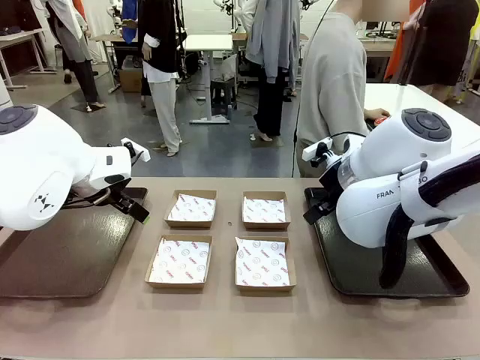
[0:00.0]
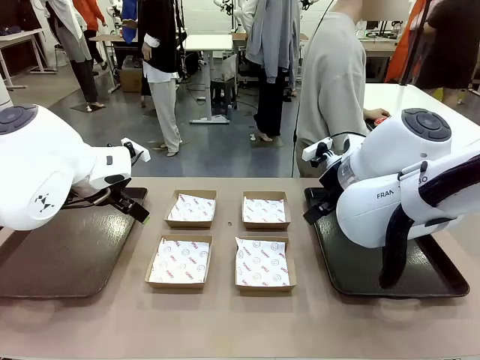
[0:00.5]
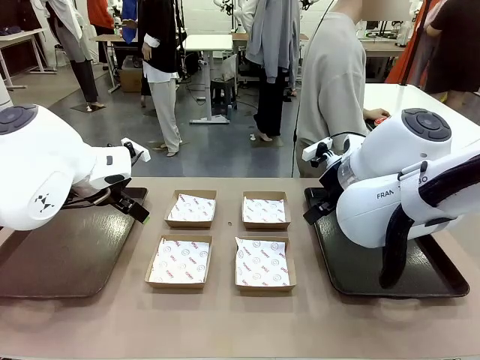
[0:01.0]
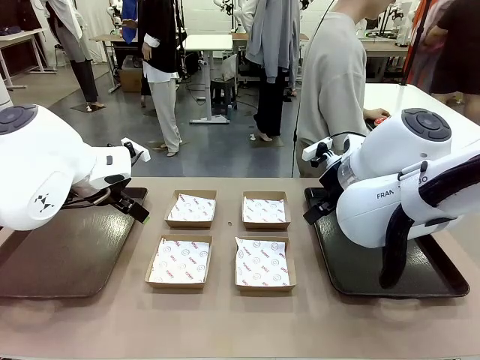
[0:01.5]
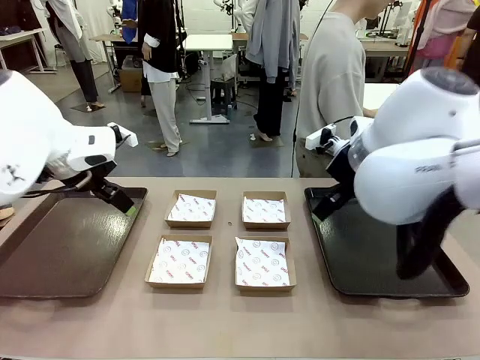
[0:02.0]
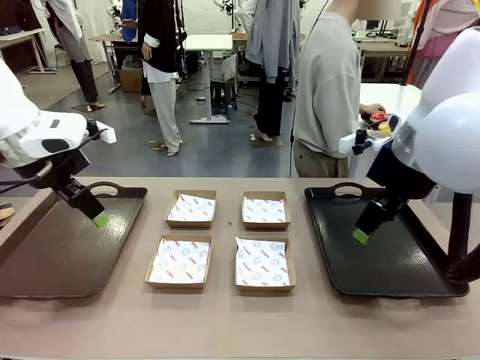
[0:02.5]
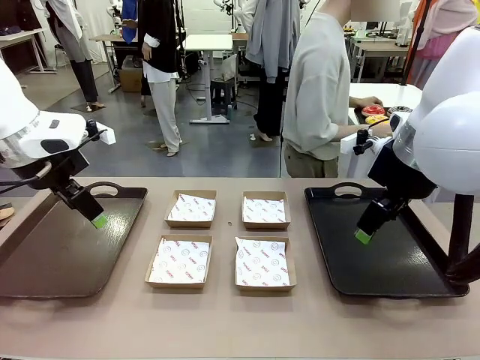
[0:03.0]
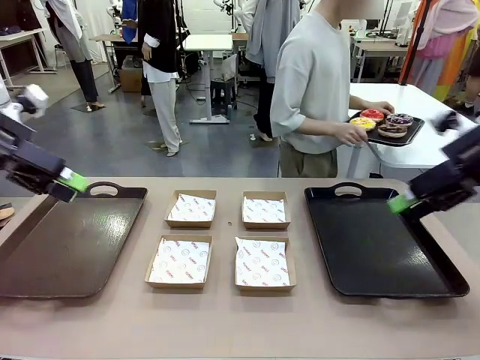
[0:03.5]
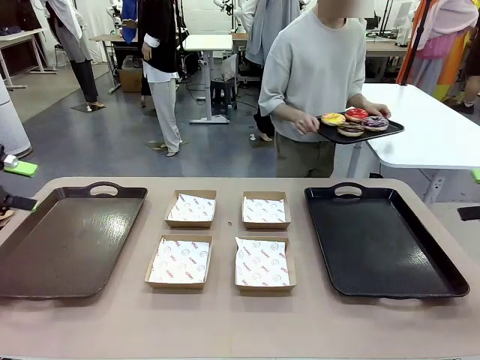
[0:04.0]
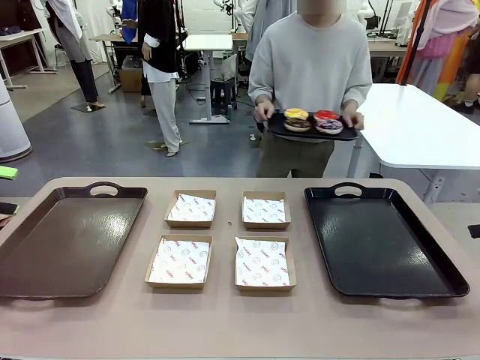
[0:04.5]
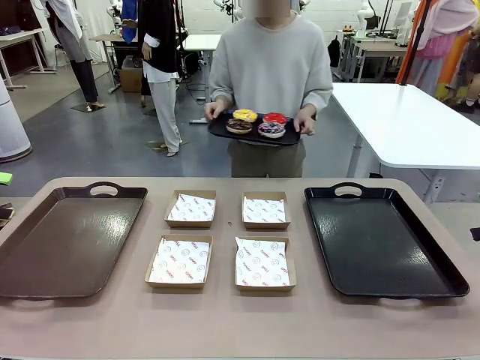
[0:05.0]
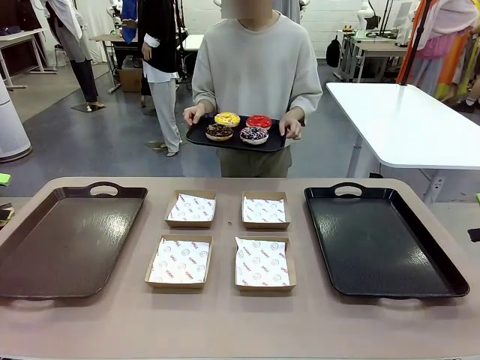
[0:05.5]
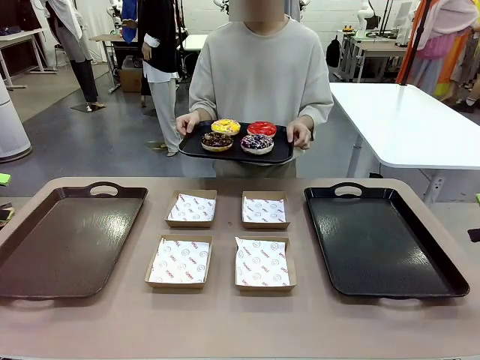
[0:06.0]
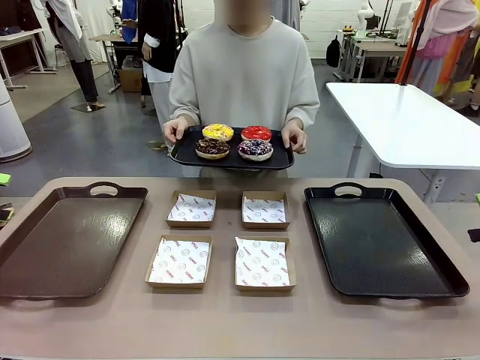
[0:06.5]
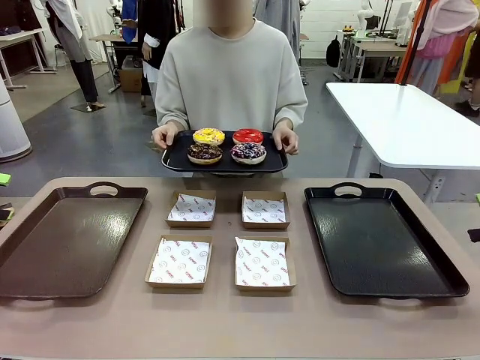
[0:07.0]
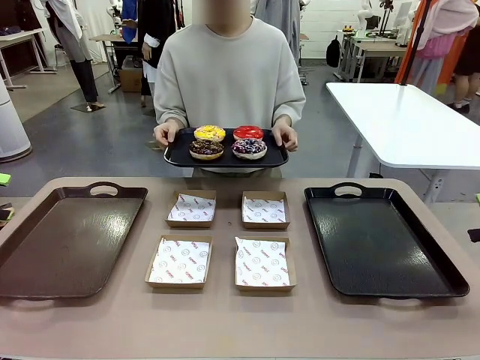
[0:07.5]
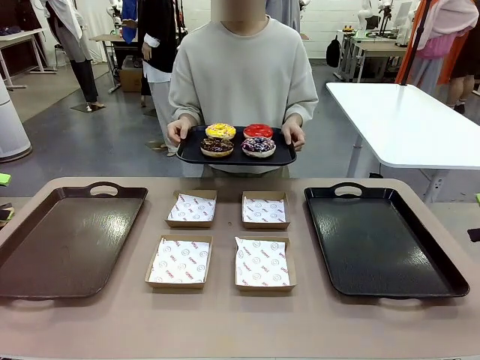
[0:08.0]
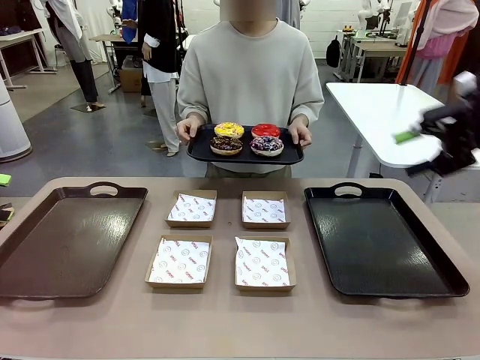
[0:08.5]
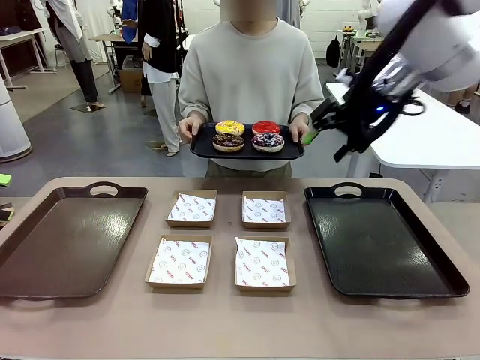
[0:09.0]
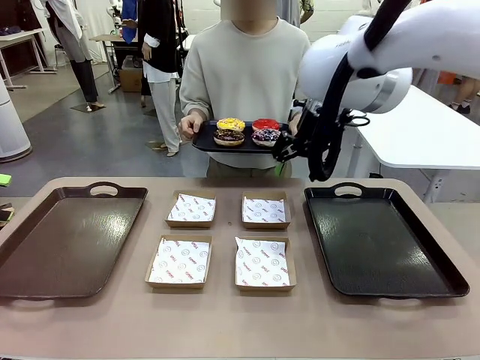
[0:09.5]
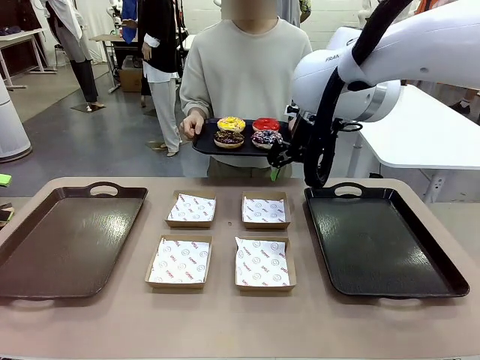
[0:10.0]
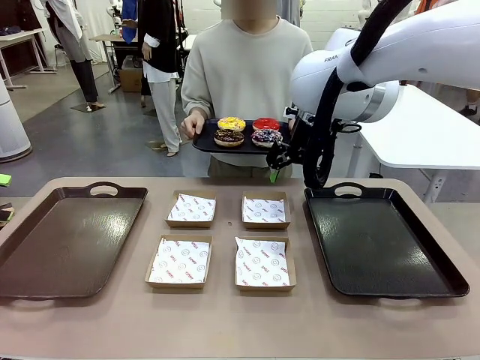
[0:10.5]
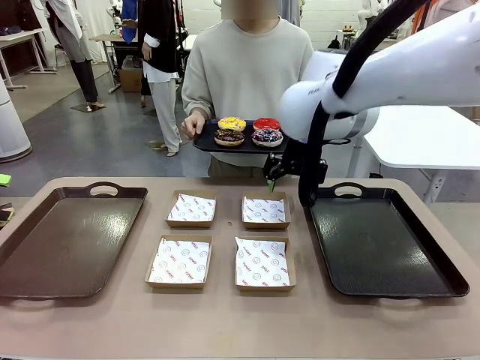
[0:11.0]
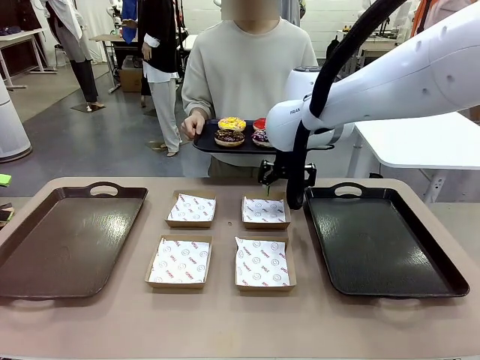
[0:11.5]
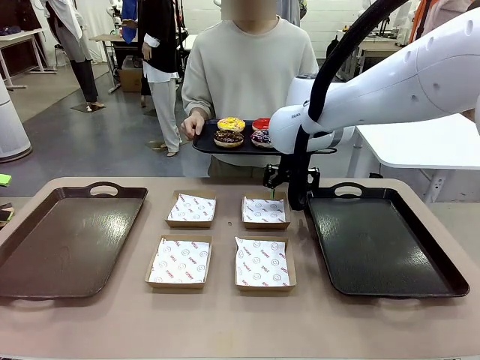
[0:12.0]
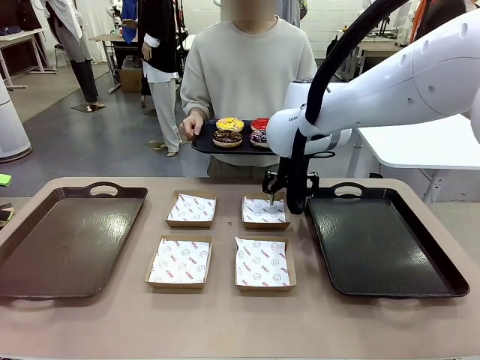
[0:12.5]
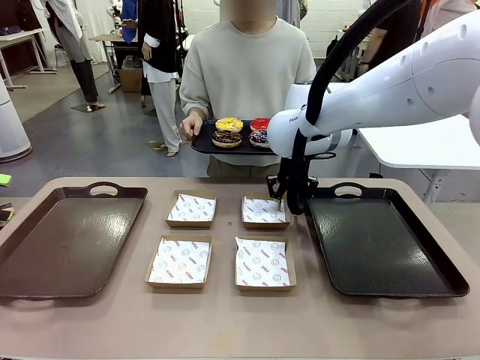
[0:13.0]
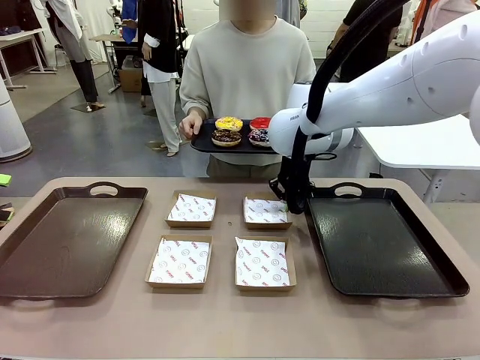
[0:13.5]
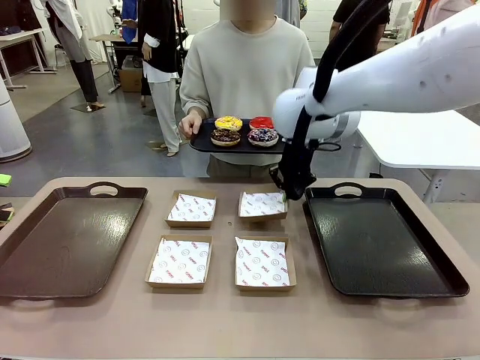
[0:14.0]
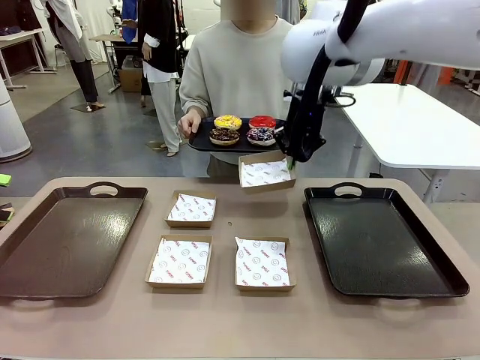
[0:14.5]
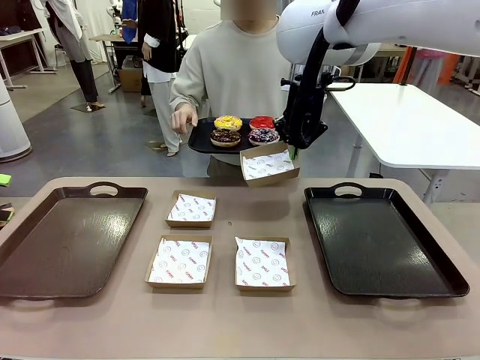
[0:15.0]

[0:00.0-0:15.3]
Task: Individually package the donuts and arrange them on the tray.
Robot: Pick up one Paper togo box.
Person: Stand in front of the robot table holding the tray containing the donuts.

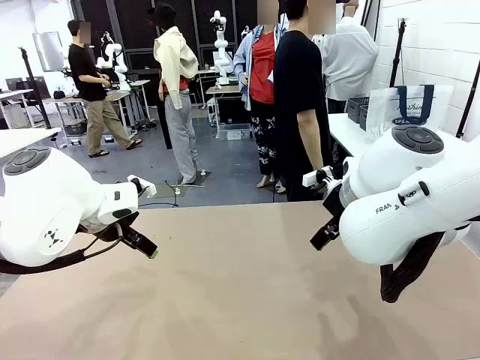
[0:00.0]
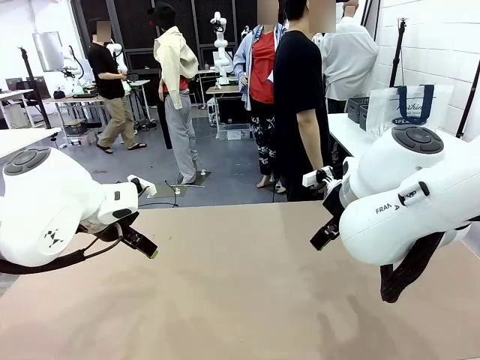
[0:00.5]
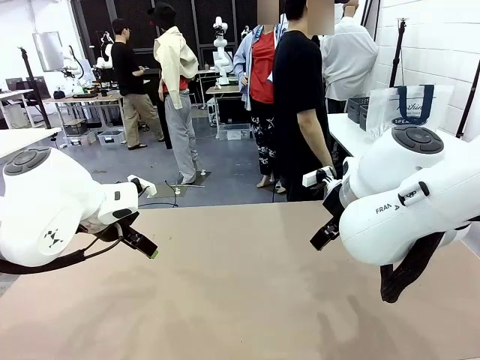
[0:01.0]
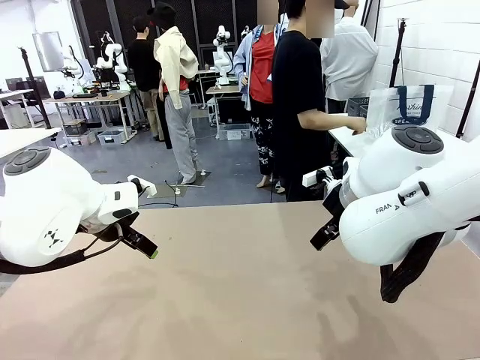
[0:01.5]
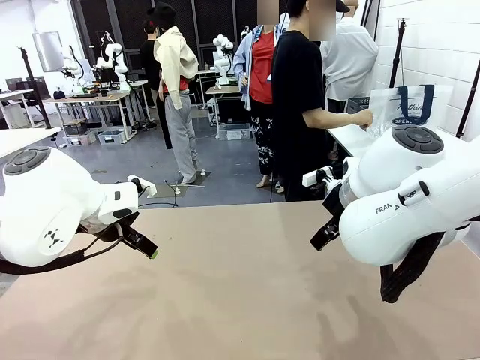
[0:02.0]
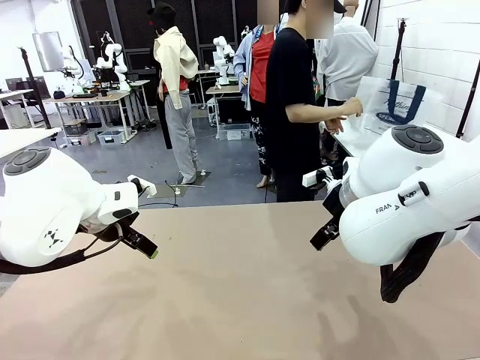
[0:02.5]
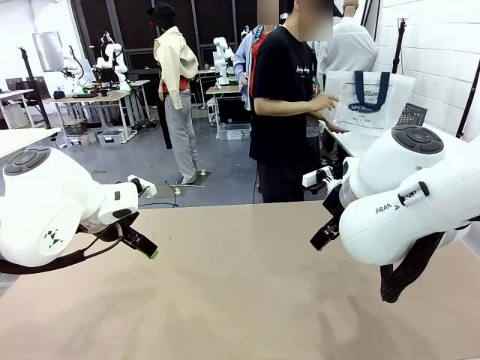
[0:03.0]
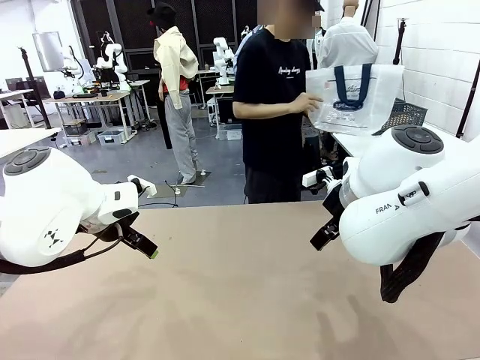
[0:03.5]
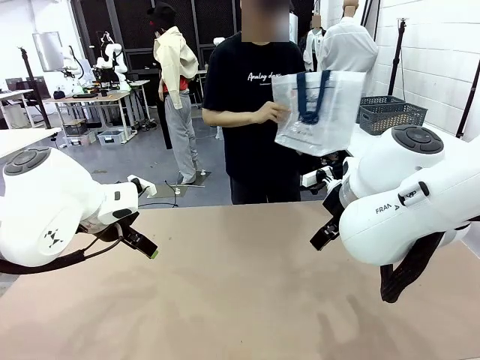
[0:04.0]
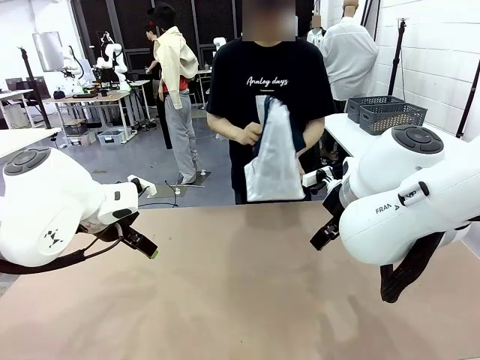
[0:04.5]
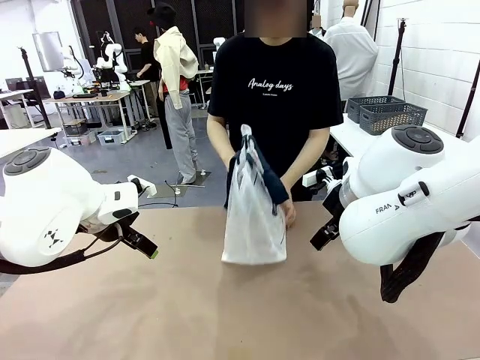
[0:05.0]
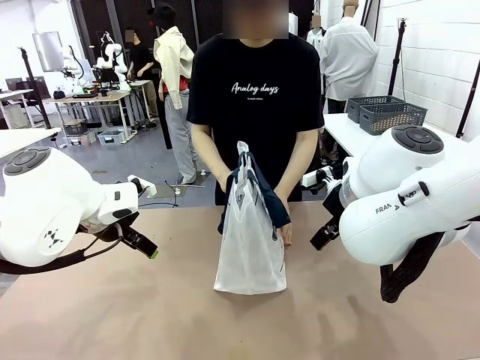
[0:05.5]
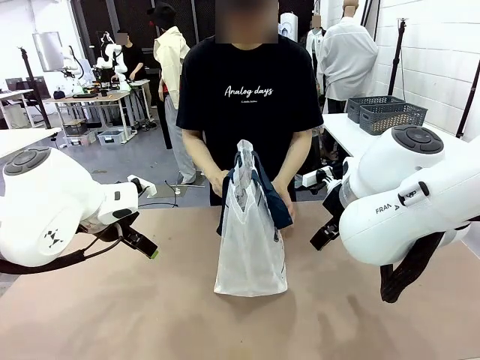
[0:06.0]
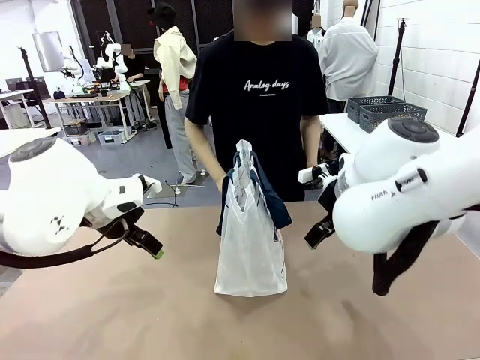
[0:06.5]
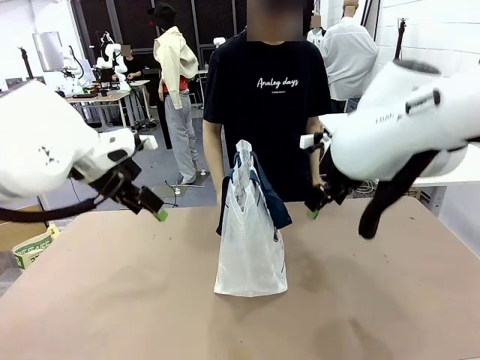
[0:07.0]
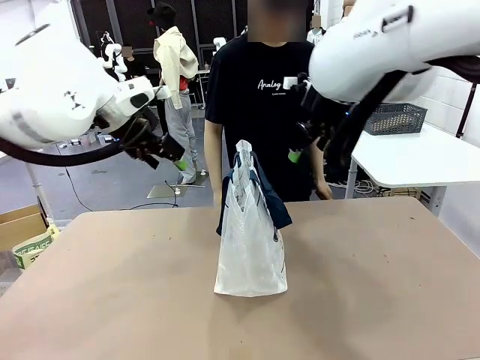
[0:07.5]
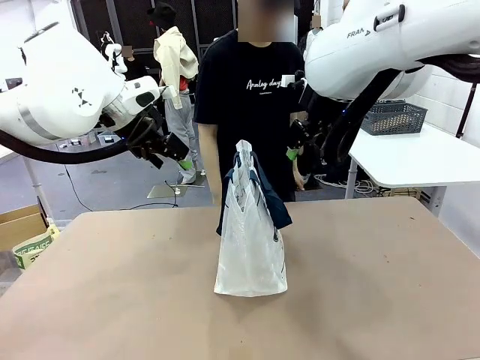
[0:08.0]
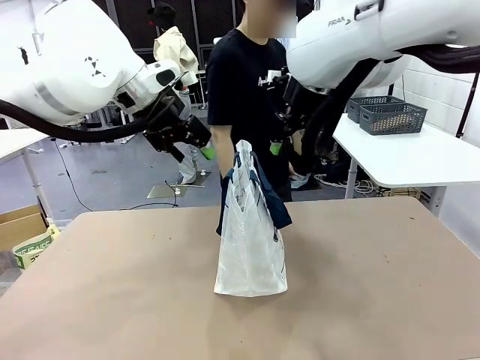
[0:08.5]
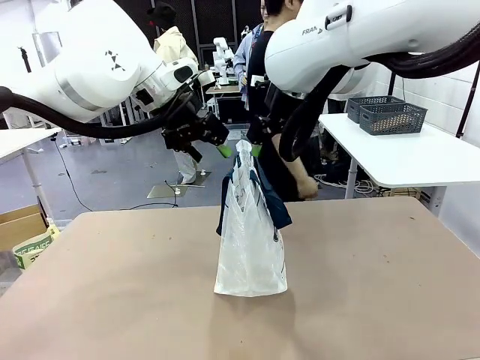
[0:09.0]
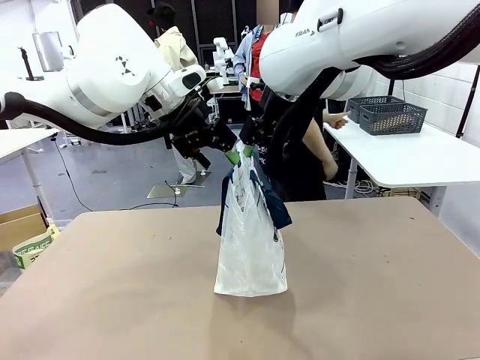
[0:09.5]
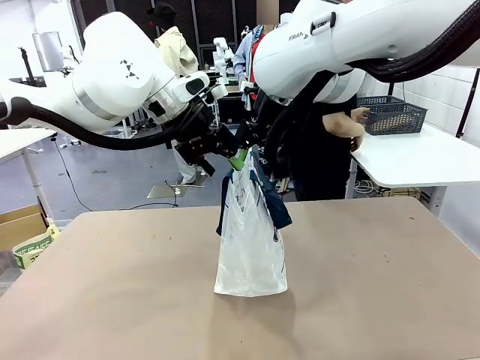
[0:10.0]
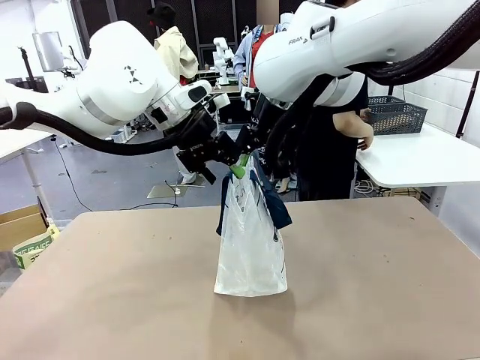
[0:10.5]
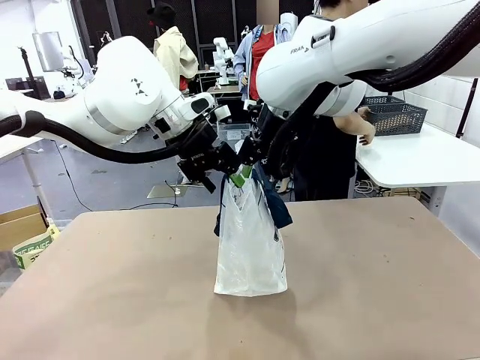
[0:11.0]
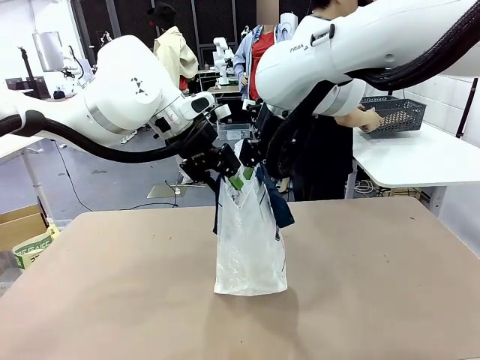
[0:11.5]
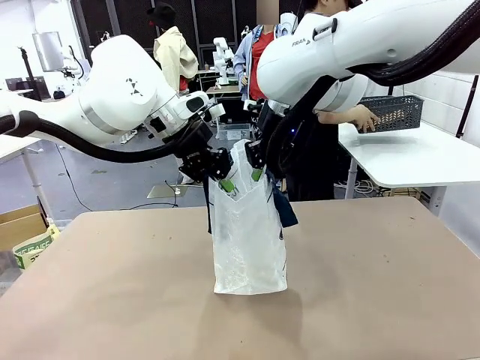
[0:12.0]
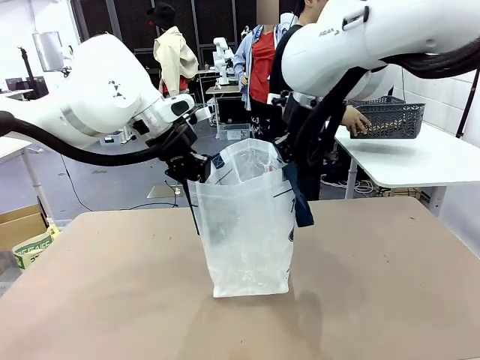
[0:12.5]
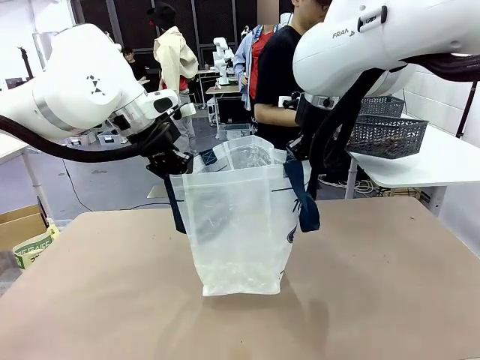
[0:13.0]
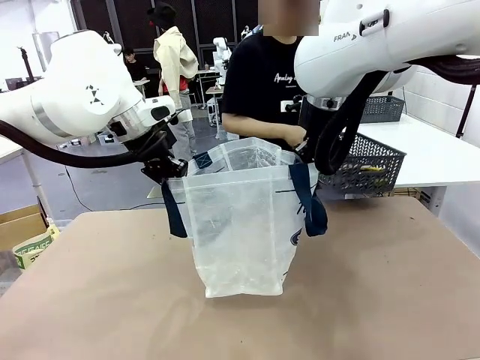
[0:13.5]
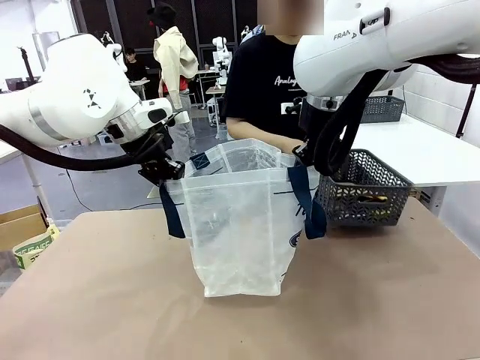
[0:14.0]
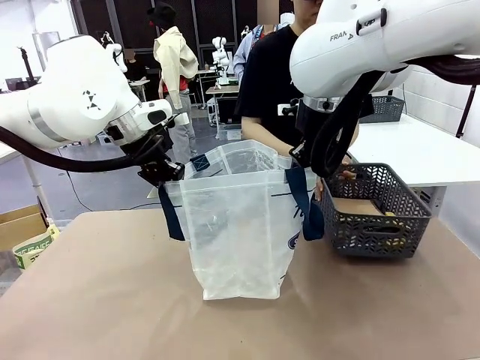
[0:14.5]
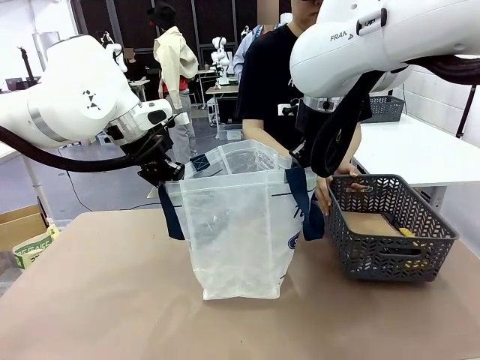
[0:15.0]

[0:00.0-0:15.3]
Task: Transfer purchased items from the store into the shopping bag.
Robot: Open the Reusable shopping bag in the center of the table.
Person: Pick up the shopping bag and place it in the middle of the robot table.
